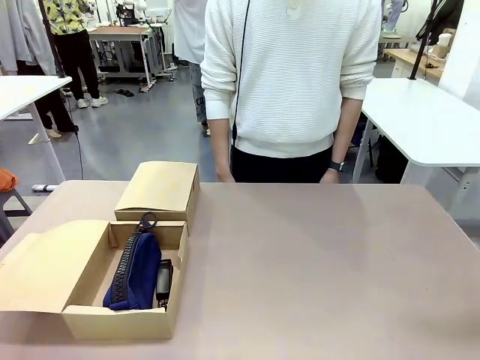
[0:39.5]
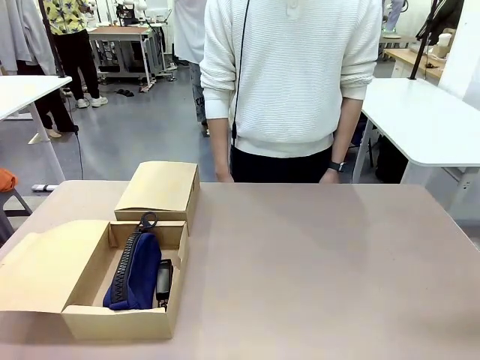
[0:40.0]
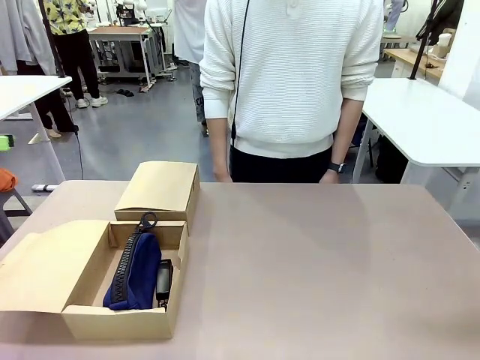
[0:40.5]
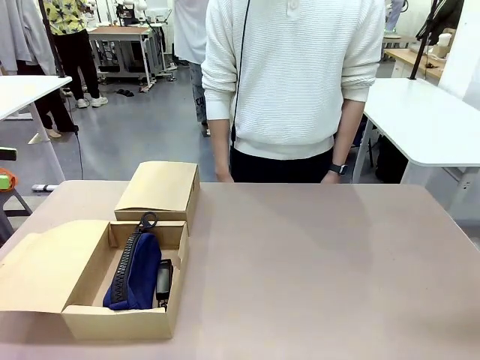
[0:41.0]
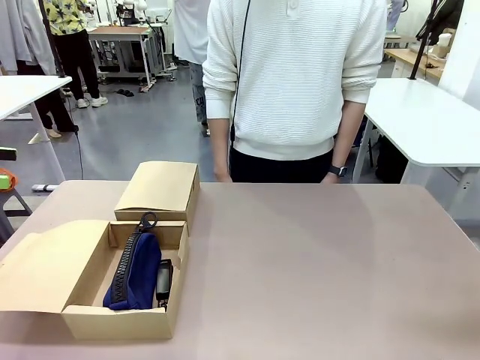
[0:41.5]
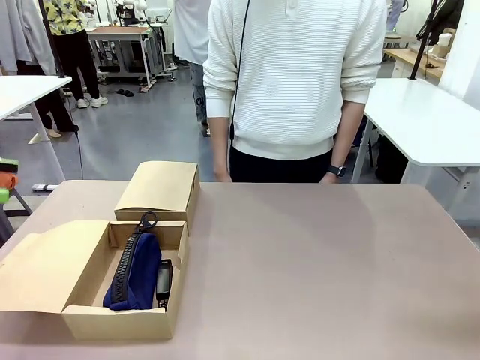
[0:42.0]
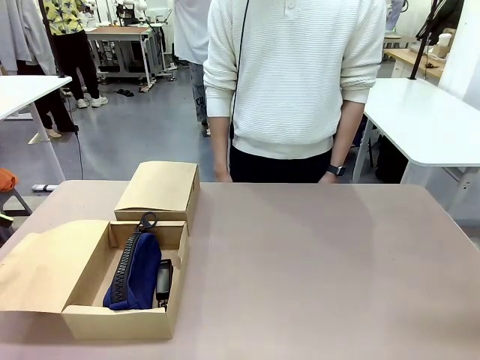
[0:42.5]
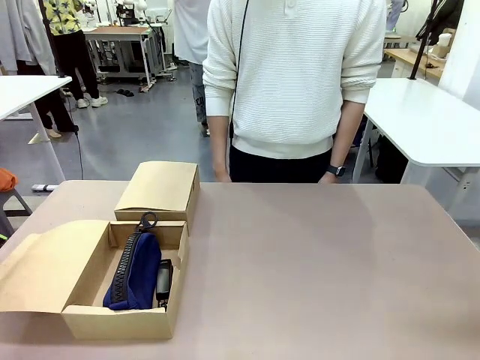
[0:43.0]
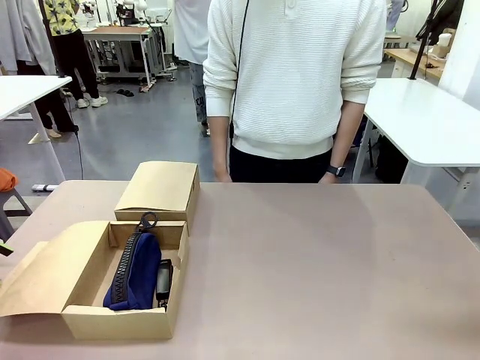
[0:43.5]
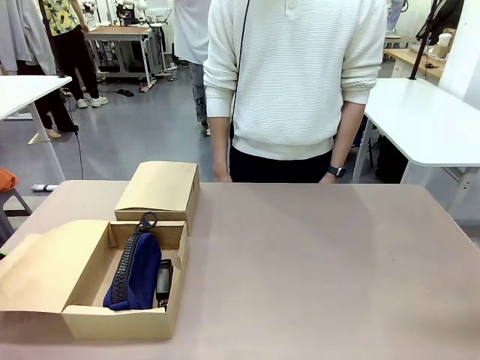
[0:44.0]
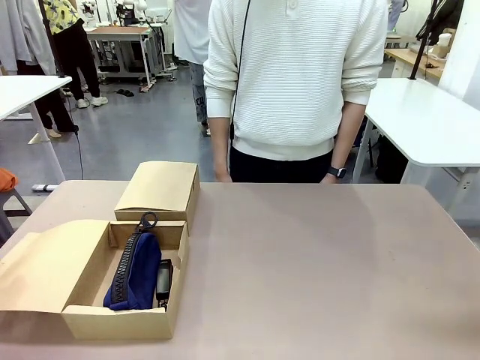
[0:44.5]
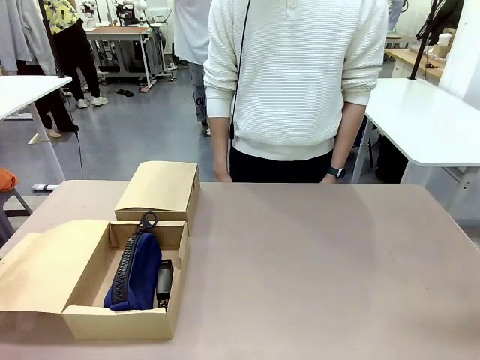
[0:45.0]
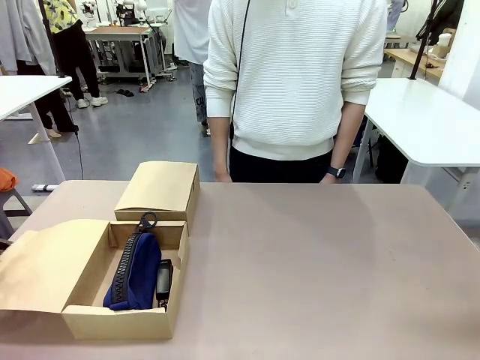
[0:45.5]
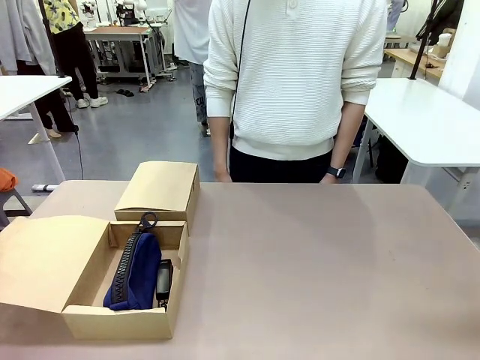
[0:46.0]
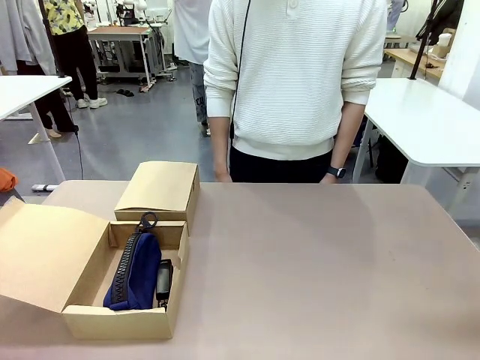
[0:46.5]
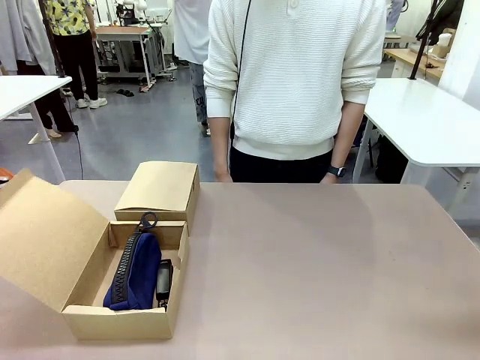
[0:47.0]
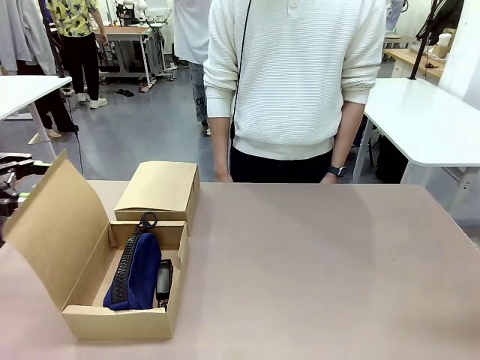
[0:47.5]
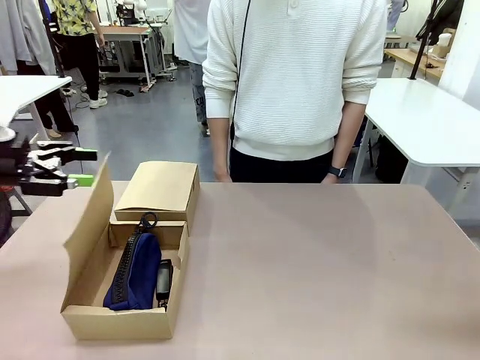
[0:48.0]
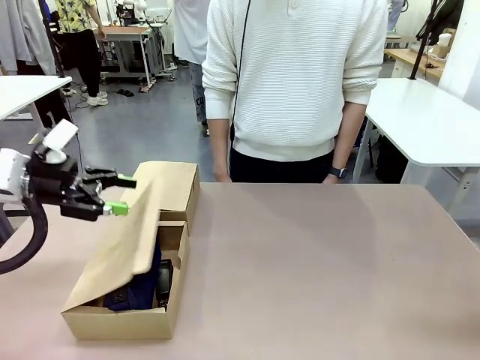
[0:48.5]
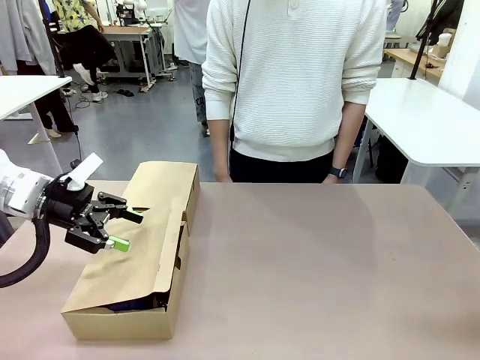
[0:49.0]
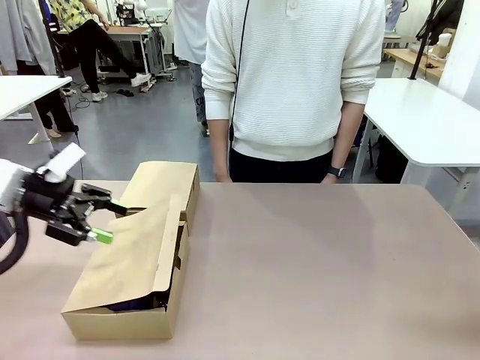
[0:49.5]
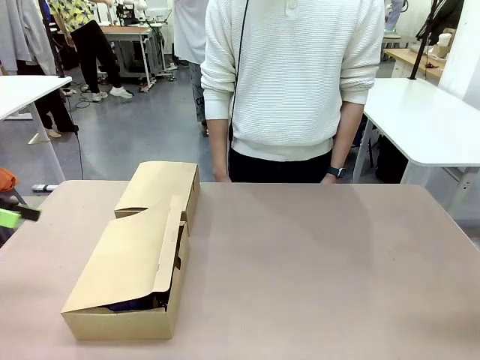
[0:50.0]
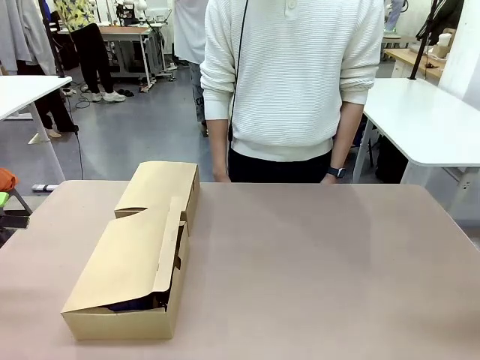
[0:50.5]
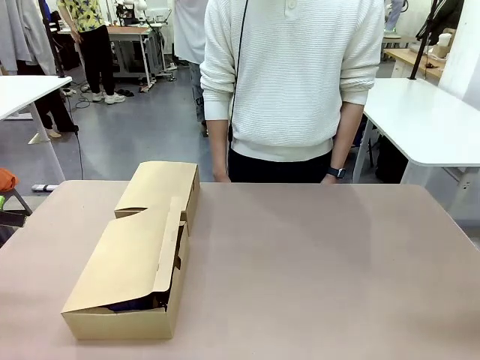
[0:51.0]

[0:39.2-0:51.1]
Task: Place items inside the box.
Robot: Close the lid of the Mailer Box closest to the robot.
Person: Close the lid of the box facing the person.

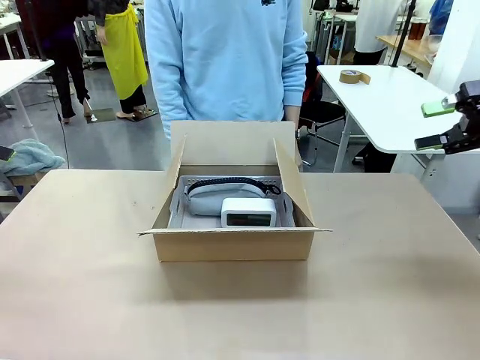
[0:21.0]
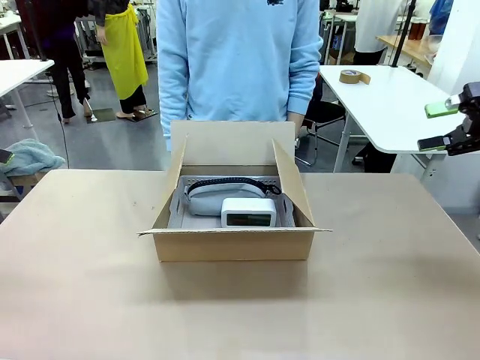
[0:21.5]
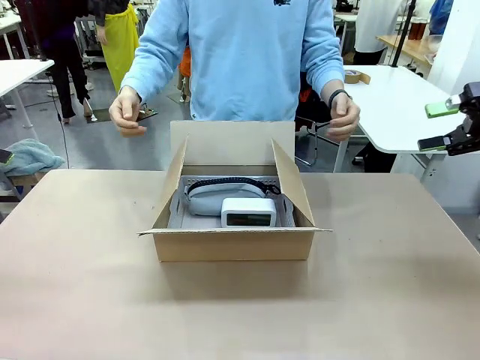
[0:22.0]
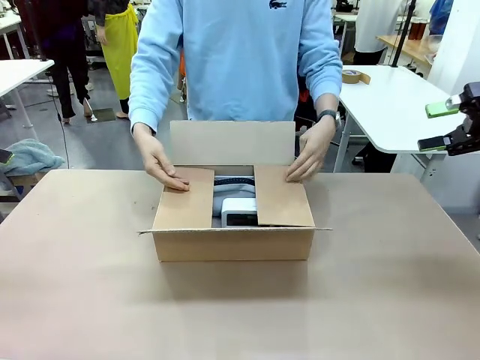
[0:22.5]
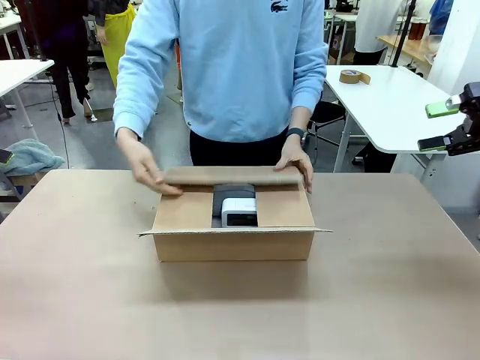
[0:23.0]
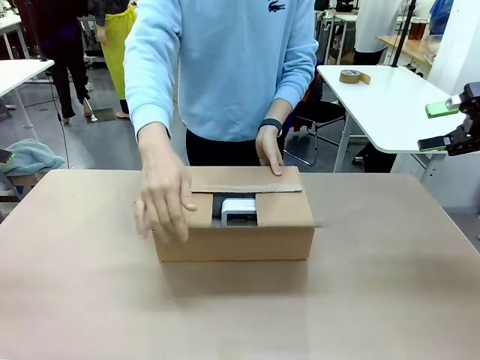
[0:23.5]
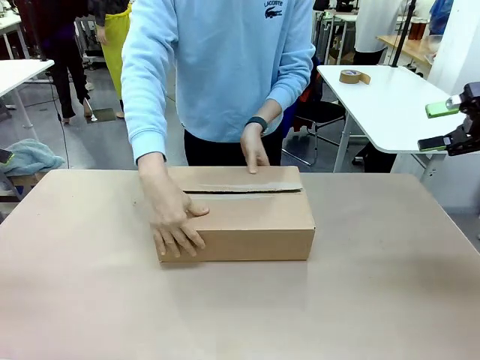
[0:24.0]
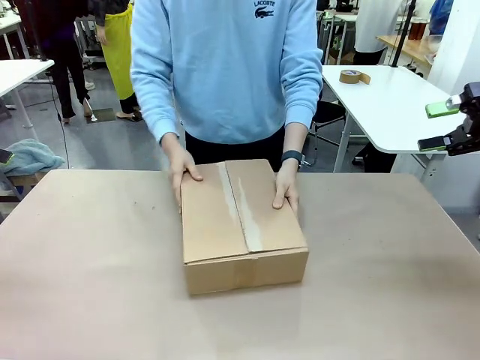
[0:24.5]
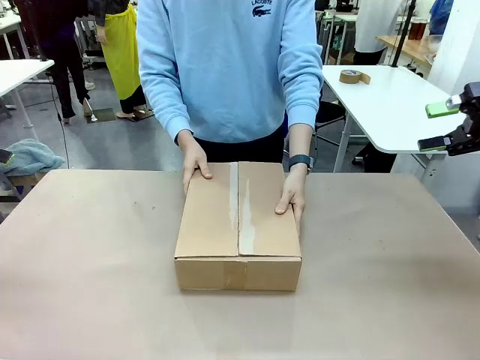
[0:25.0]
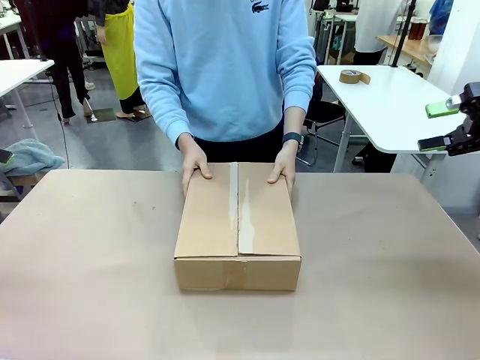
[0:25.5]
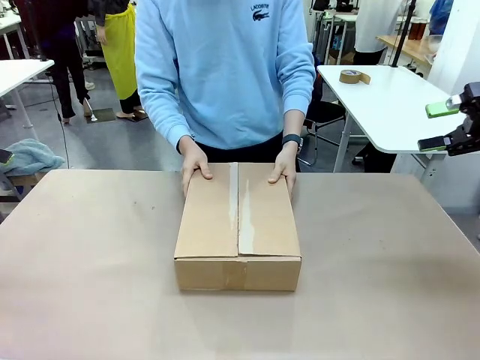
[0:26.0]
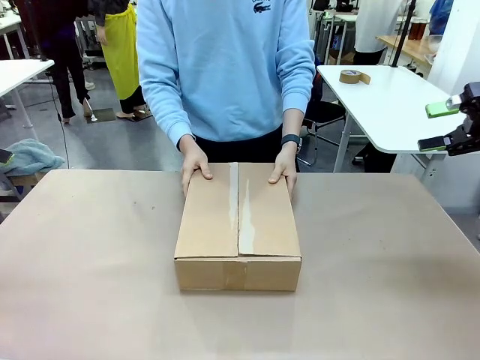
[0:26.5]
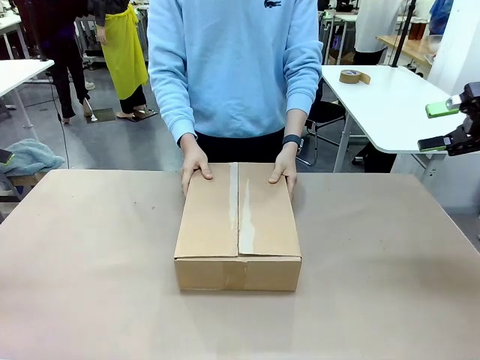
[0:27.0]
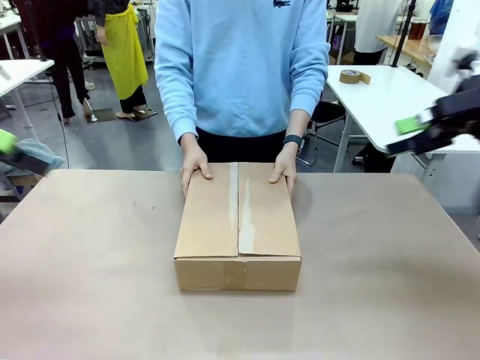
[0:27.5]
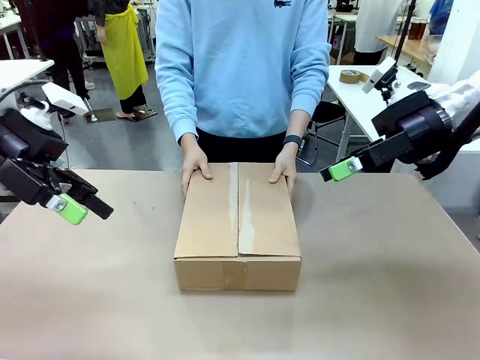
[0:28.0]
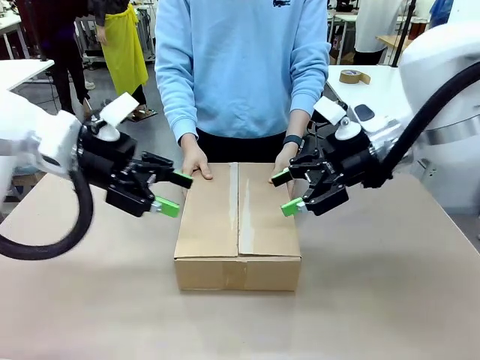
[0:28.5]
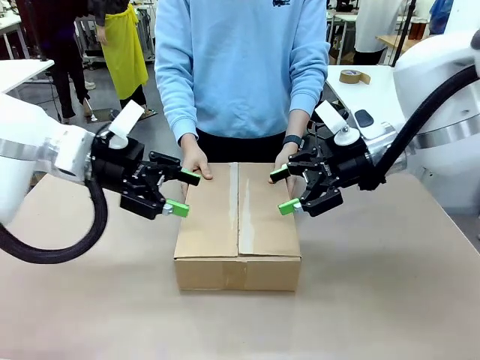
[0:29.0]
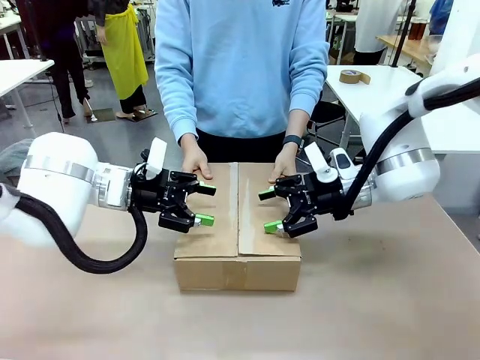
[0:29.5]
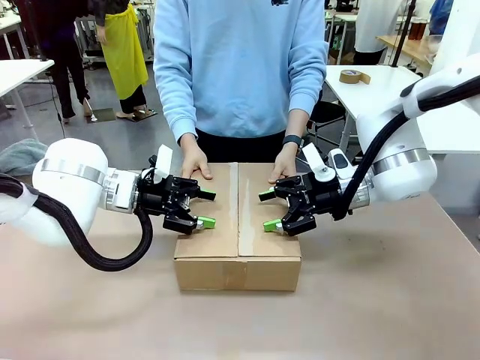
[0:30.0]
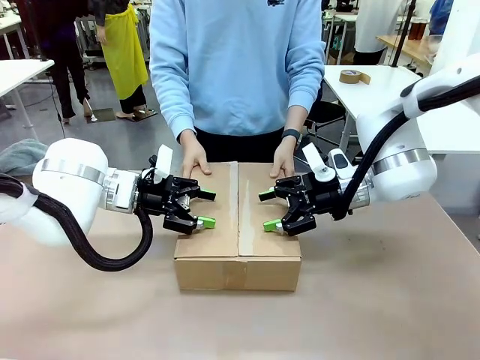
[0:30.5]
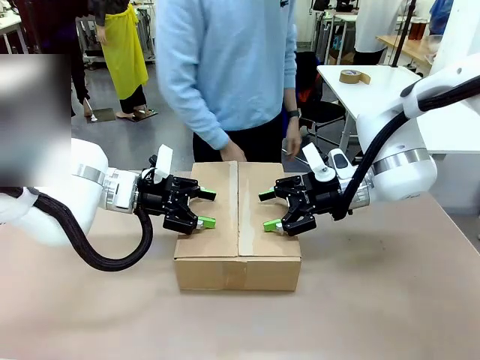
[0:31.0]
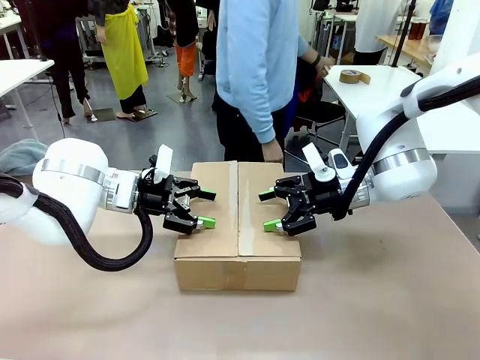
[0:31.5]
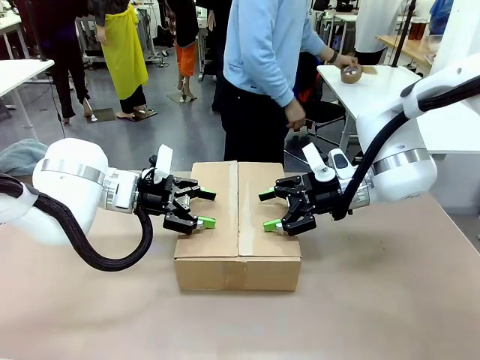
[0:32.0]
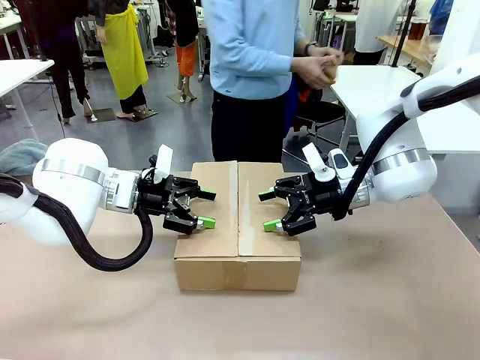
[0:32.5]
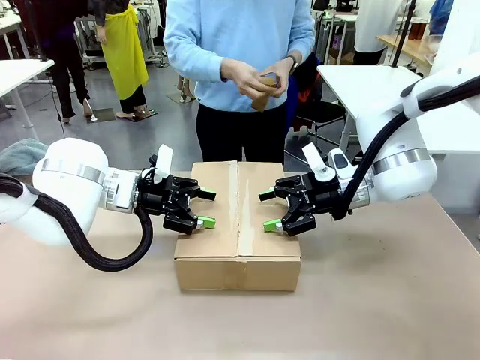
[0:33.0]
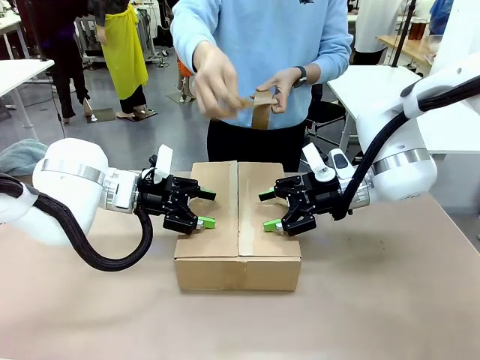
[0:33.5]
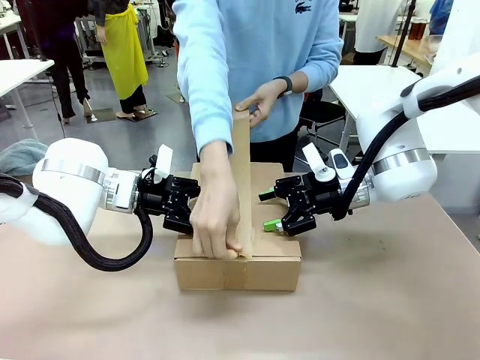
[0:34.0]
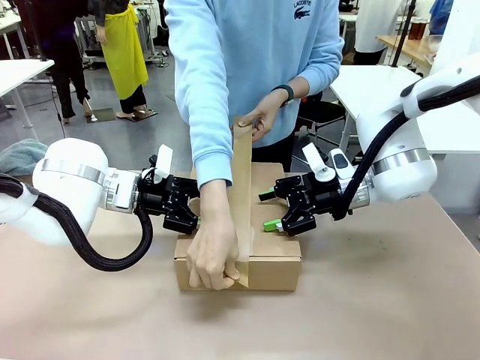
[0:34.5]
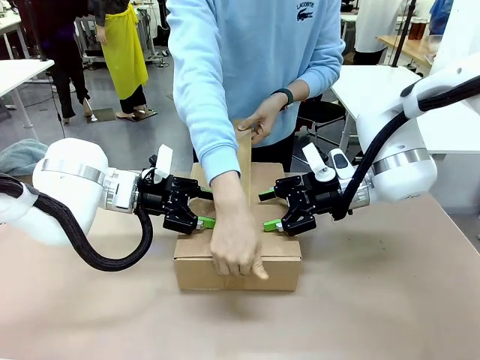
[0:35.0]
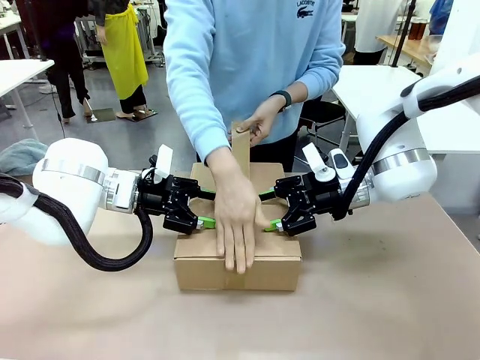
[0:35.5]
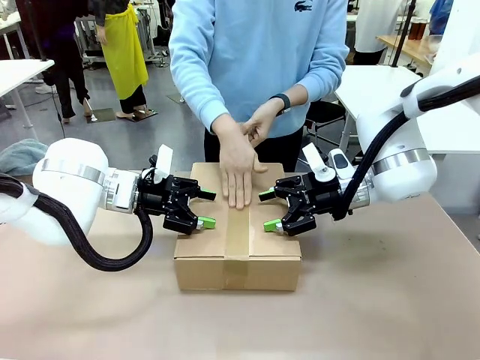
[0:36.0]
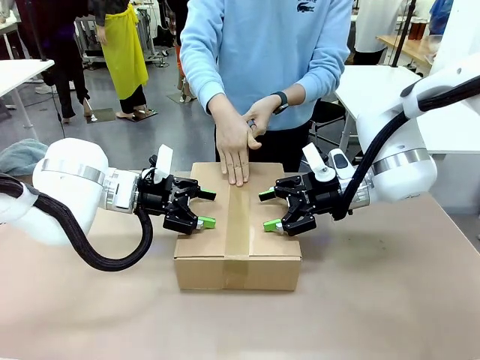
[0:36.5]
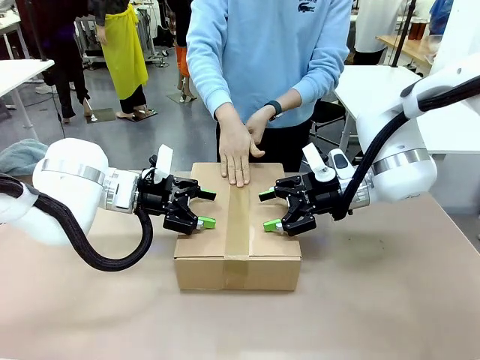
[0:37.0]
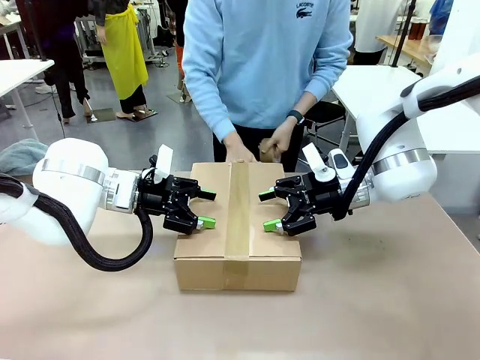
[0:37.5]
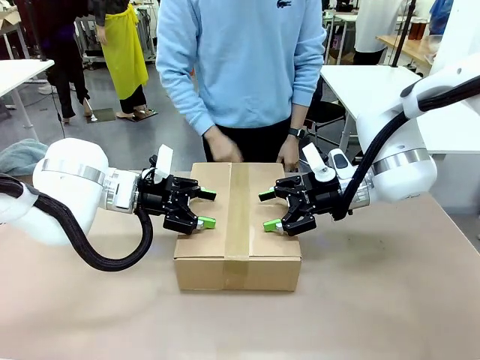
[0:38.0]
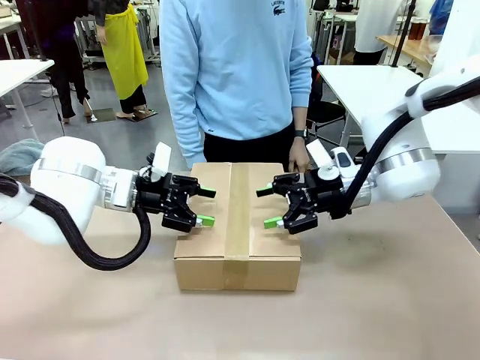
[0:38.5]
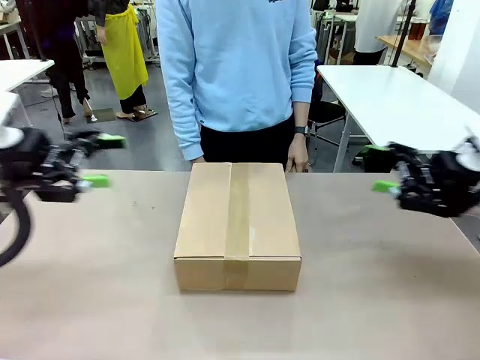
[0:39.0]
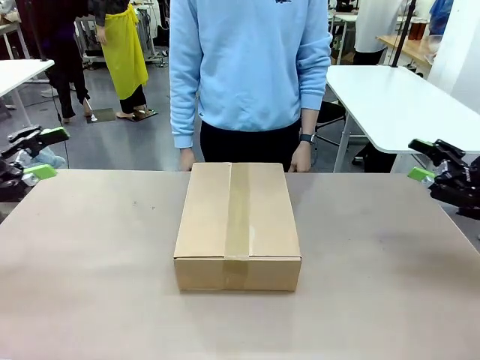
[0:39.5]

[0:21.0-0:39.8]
Task: Pack the gift set into the box.
Robot: Press and hold the closed box until the human finishes sealing it.
Person: The human closes the box and rotates the box by 90 degrees. The human picks up the paper tape from the human table and packs the box.
